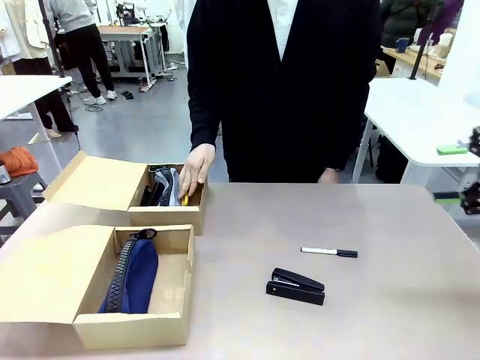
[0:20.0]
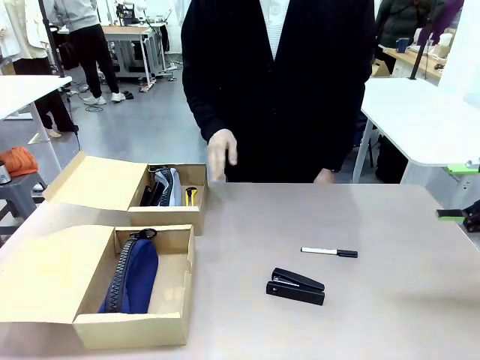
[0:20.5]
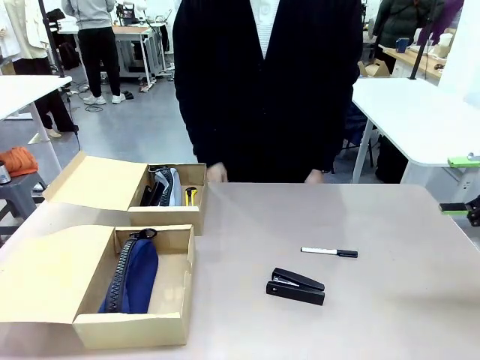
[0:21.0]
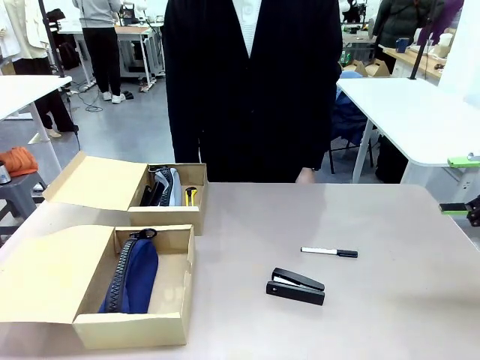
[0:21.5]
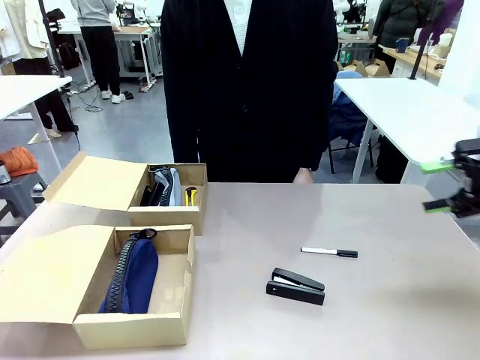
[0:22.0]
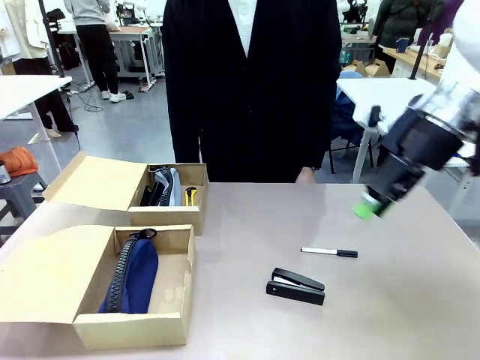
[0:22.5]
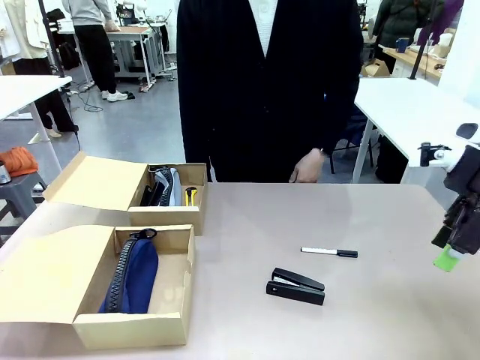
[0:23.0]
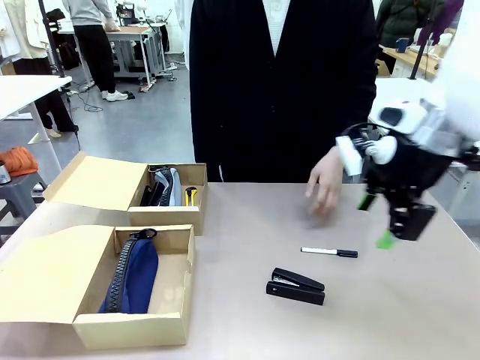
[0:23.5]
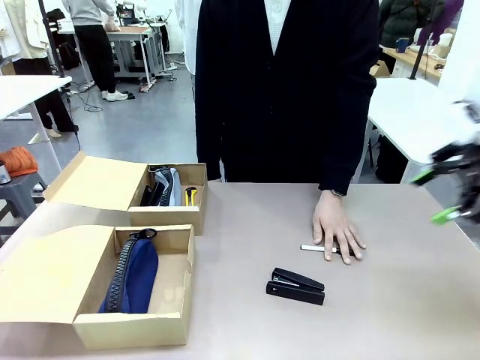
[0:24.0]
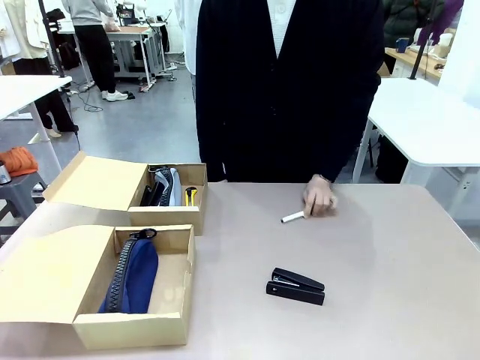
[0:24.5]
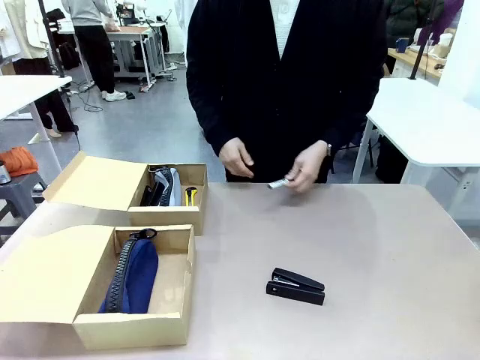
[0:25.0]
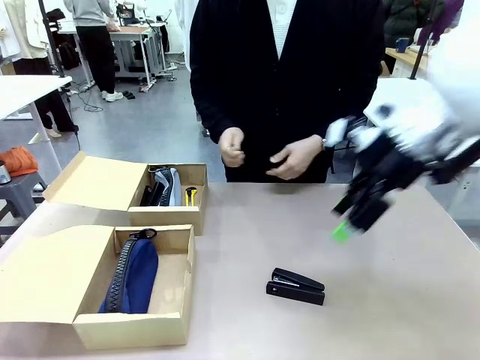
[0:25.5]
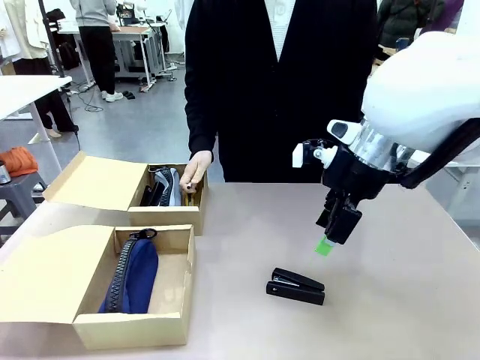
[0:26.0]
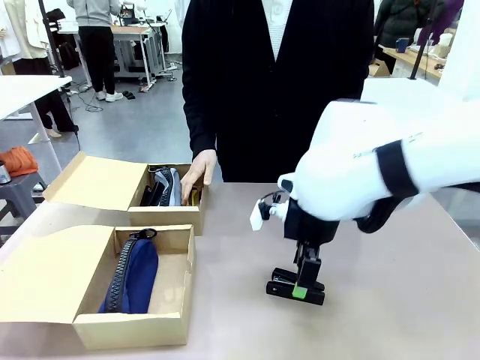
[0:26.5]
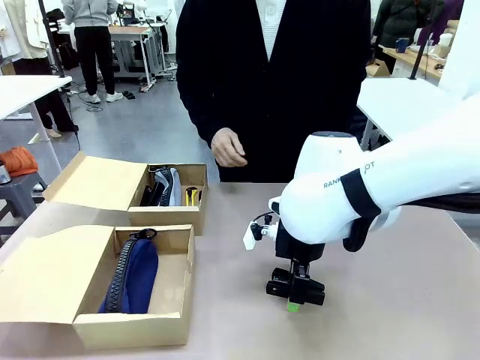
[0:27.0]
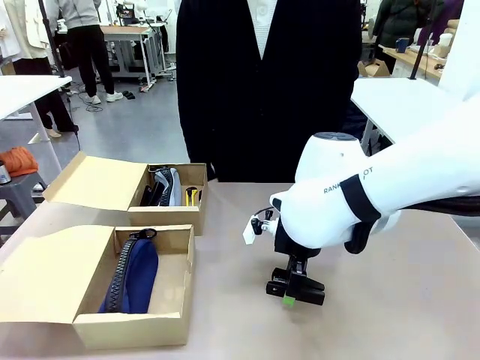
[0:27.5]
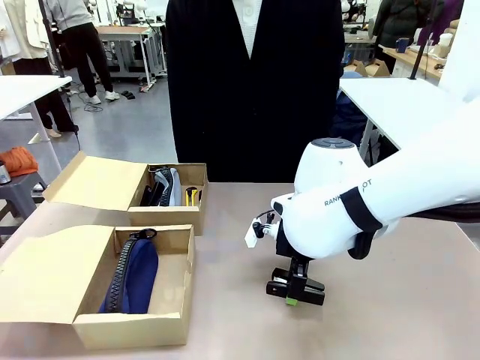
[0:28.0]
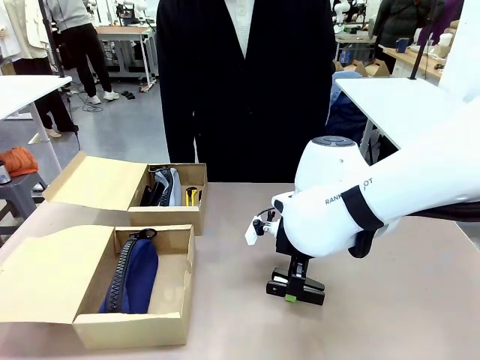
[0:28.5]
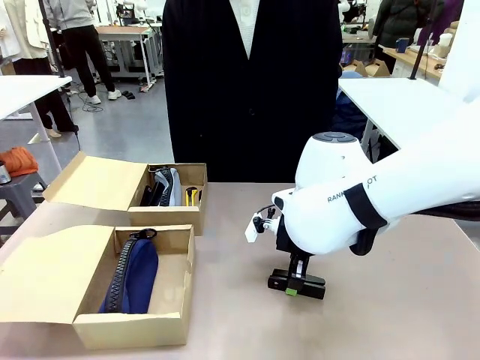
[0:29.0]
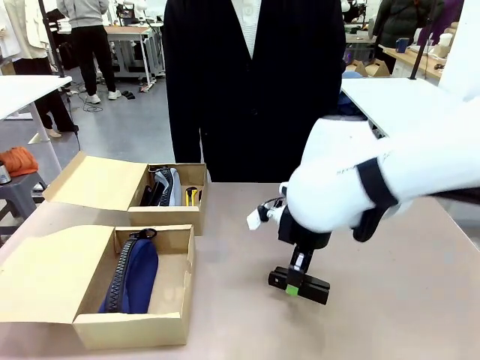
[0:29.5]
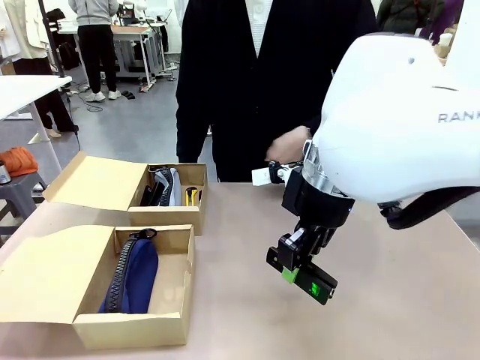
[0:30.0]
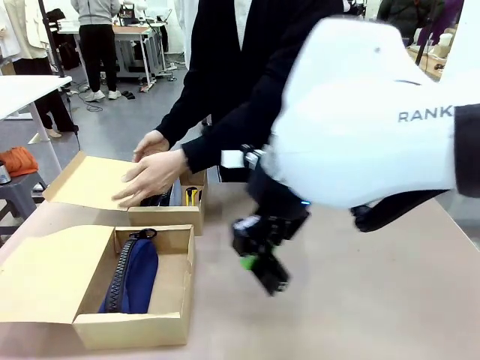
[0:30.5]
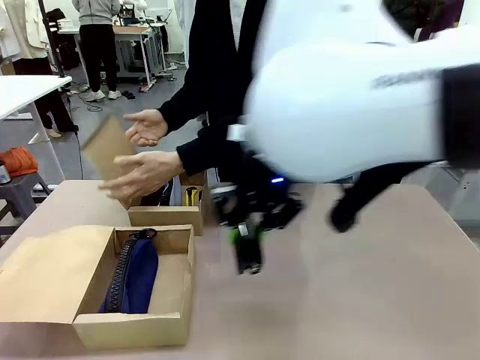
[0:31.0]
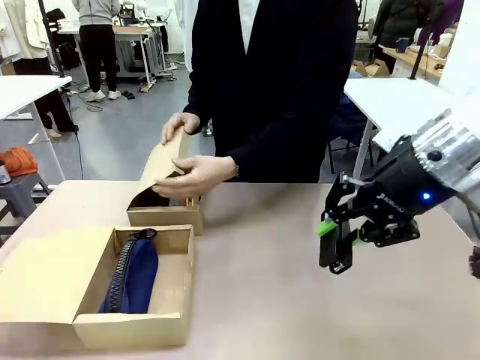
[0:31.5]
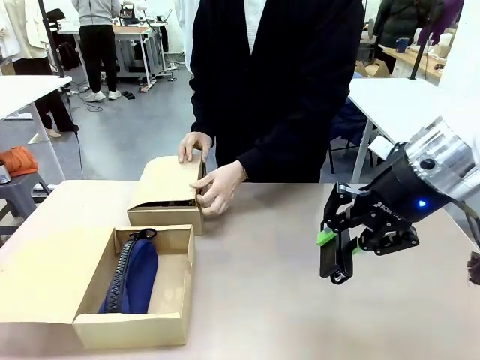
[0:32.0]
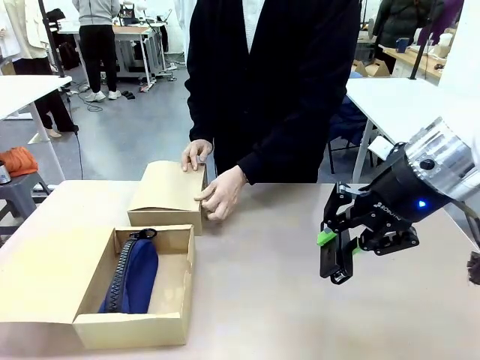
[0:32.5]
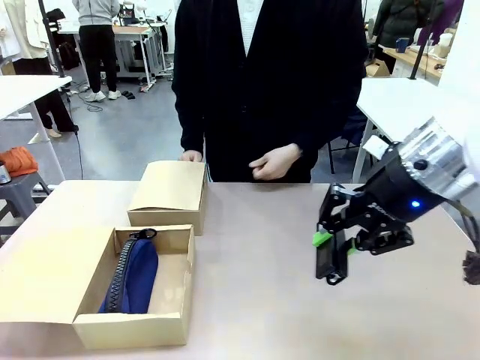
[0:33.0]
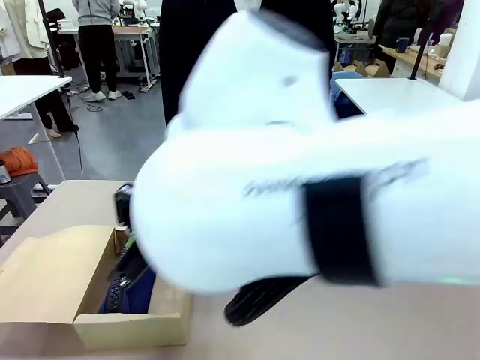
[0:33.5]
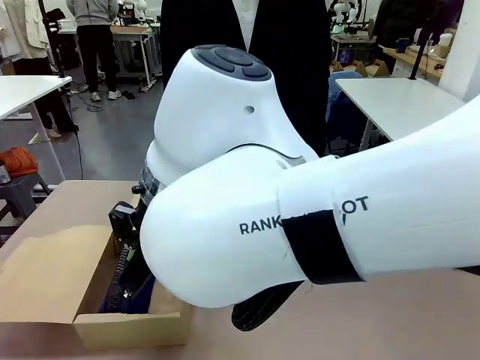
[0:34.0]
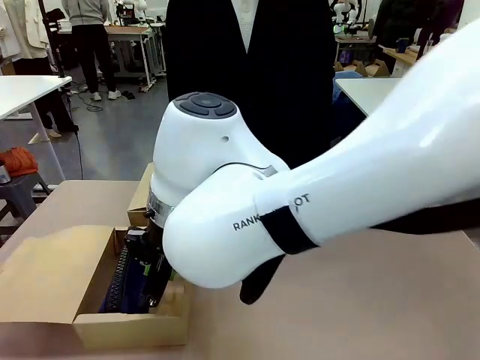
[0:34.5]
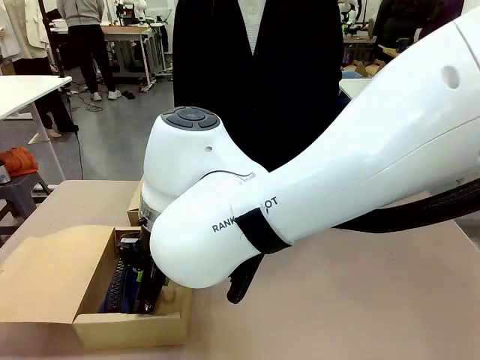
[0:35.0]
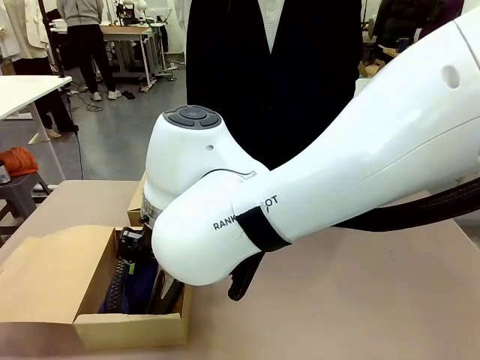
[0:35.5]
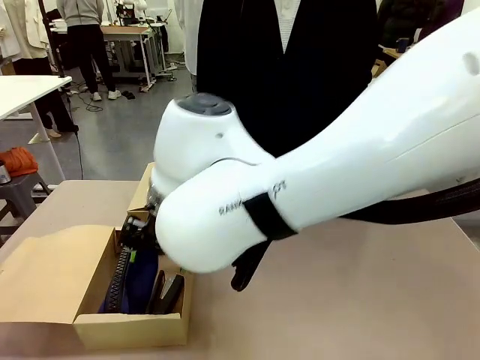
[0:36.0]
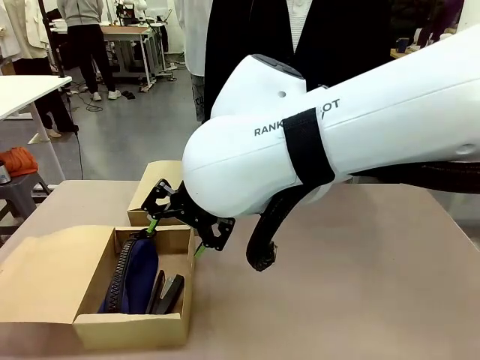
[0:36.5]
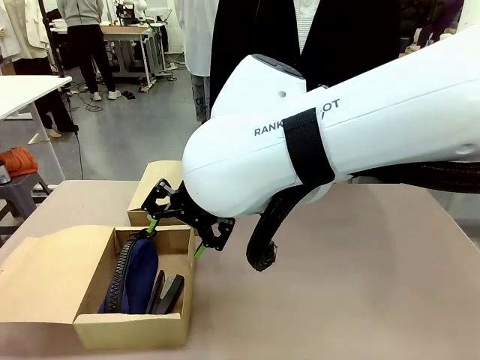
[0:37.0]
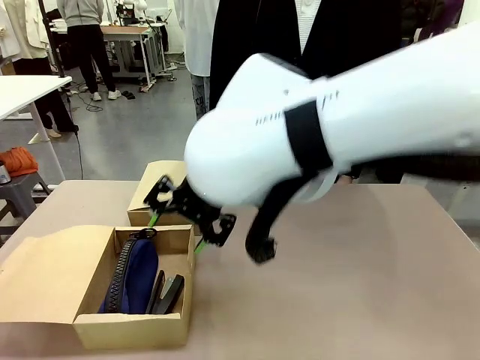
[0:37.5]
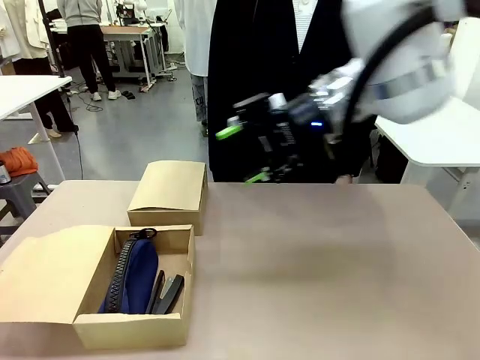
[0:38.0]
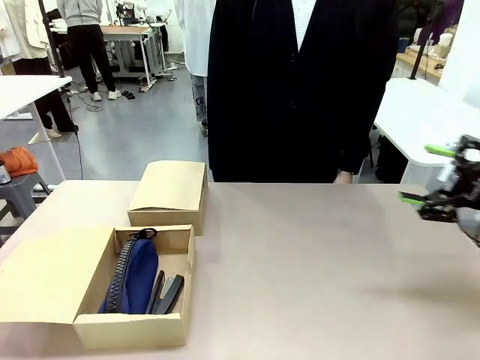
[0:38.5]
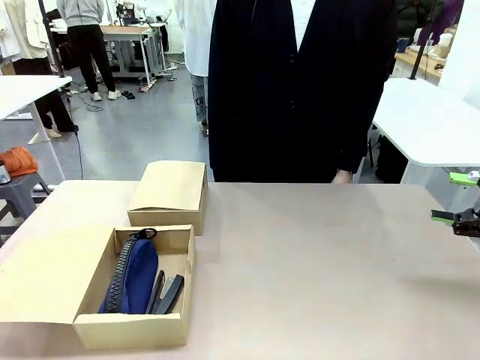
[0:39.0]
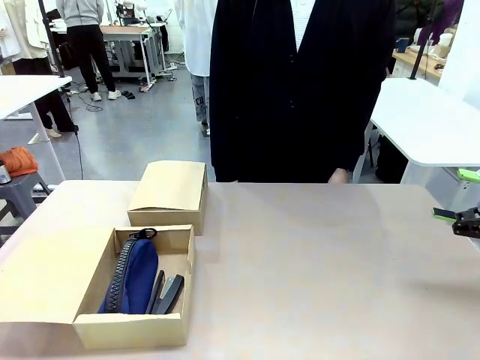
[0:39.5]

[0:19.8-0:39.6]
Task: Place items inside the box.
Robot: Pick up a Pencil pouch or Stapler and place it inside the Mailer Box closest to the robot.
Person: Close the lid of the box facing the person.

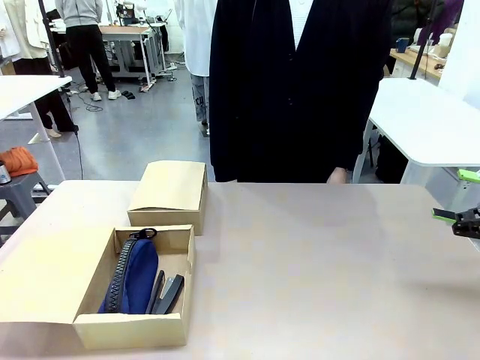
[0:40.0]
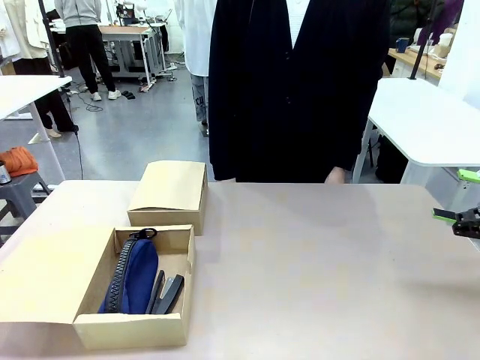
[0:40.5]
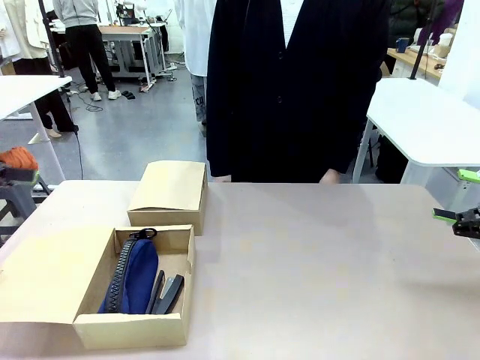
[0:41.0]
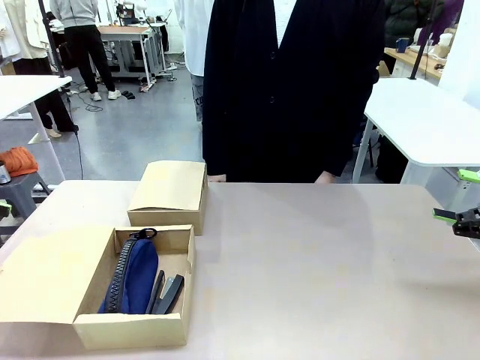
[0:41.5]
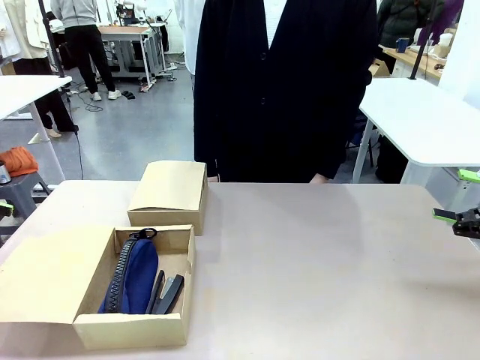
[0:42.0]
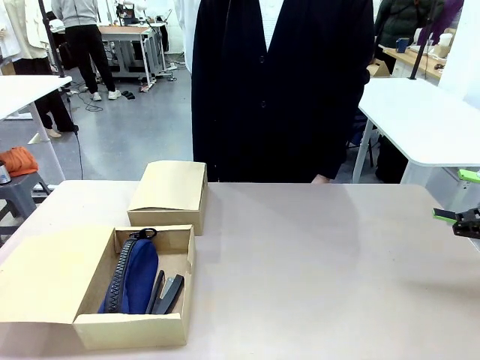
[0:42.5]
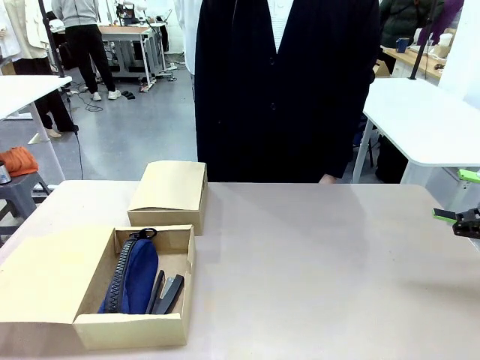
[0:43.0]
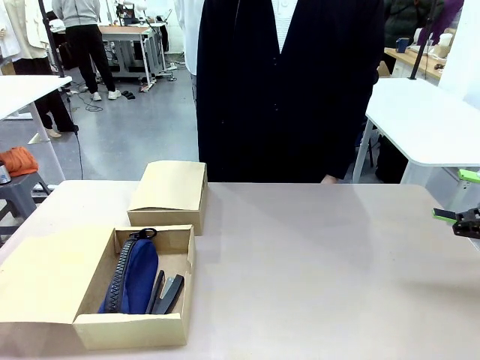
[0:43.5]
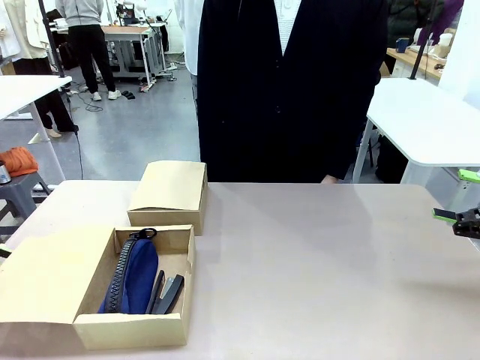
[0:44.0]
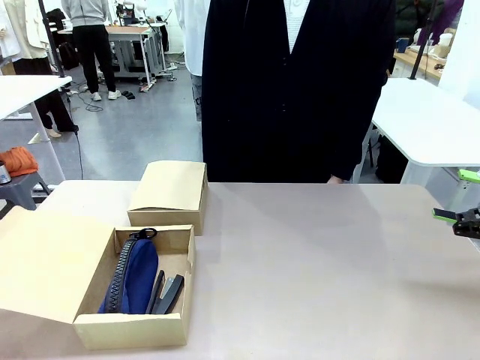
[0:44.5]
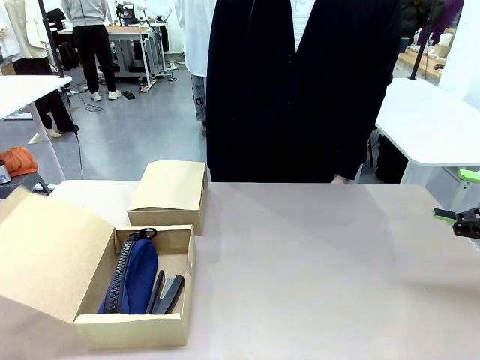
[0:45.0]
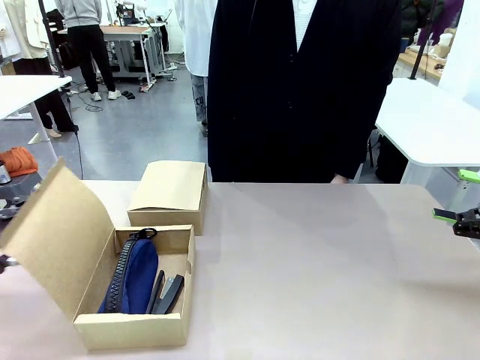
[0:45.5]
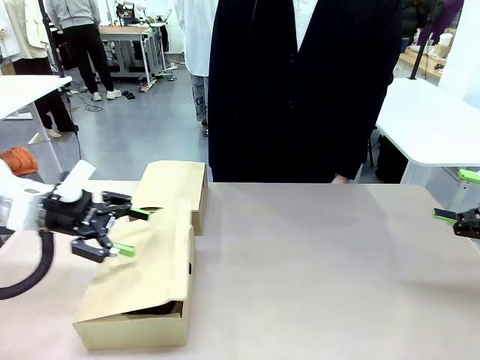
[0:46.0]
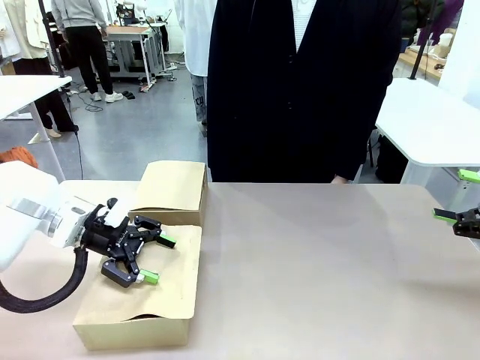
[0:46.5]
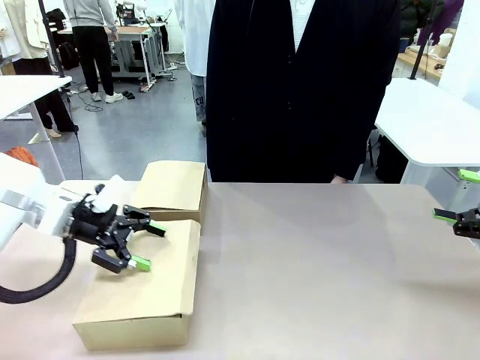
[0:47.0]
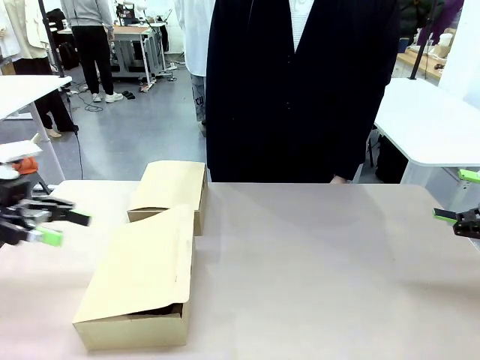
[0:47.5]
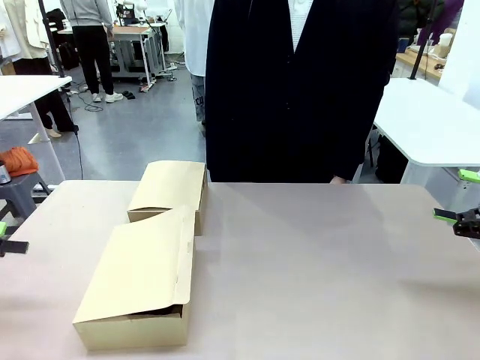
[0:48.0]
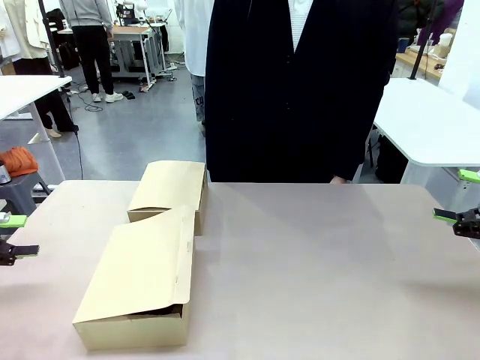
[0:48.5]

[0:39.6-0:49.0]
Robot: Close the lid of the Mailer Box closest to the robot.
